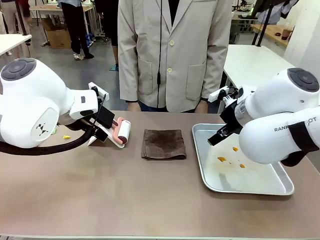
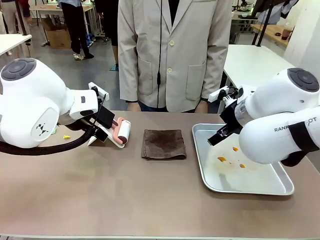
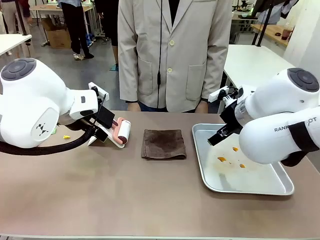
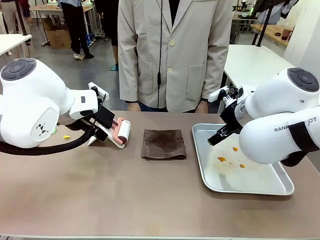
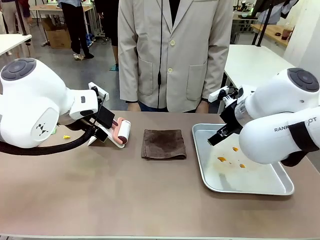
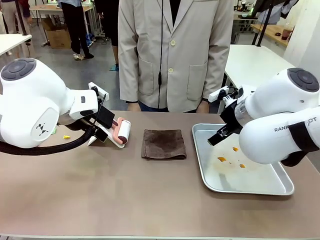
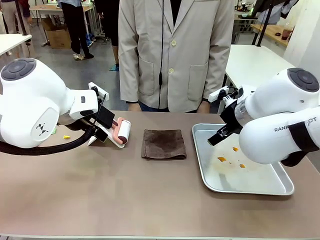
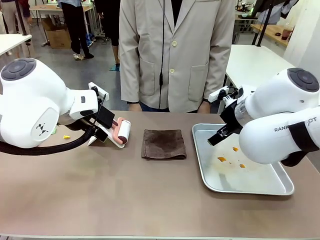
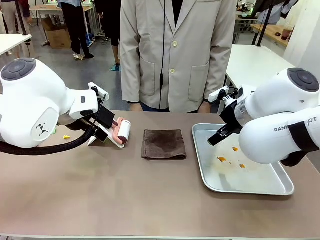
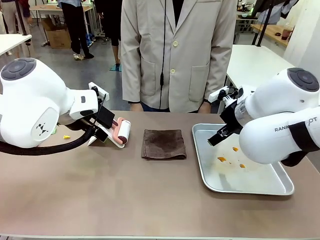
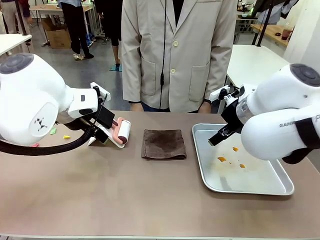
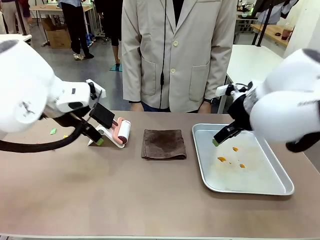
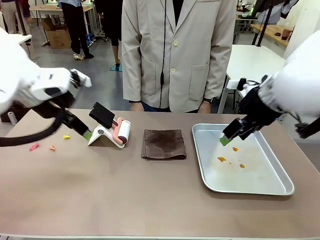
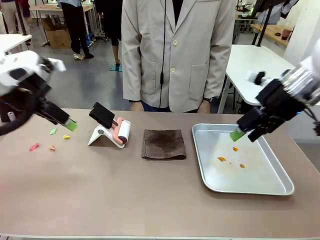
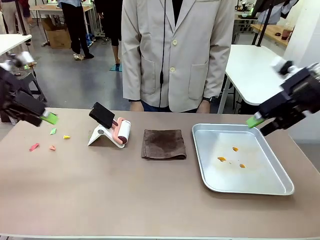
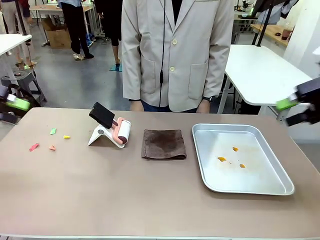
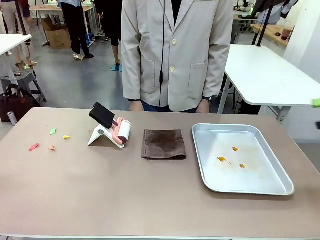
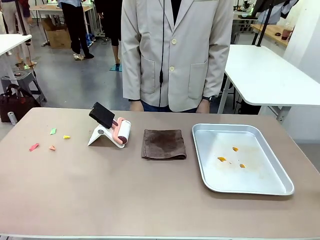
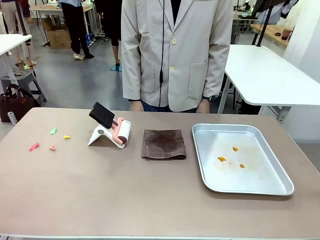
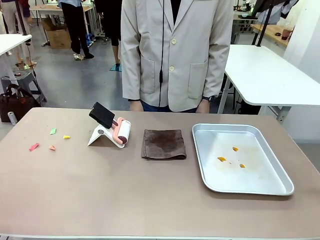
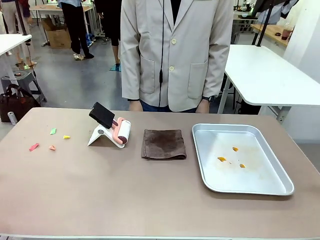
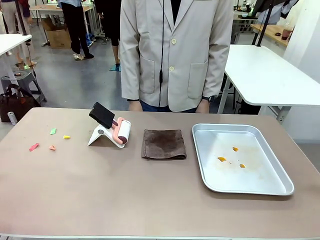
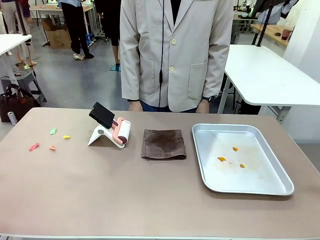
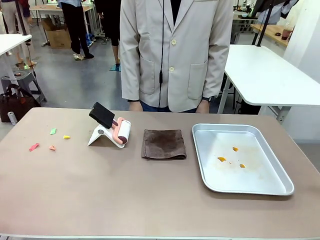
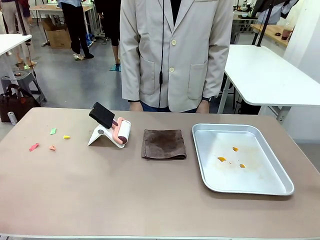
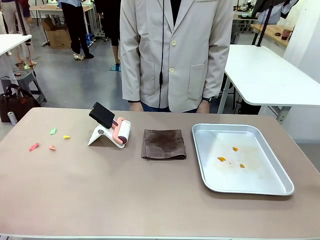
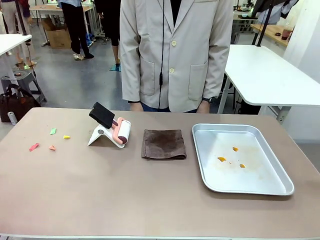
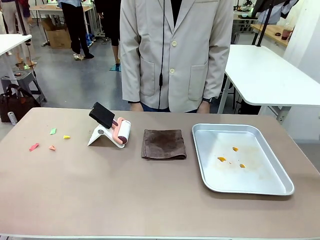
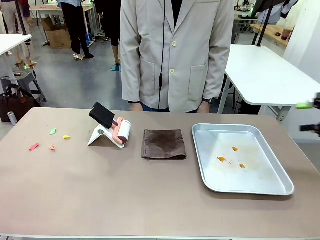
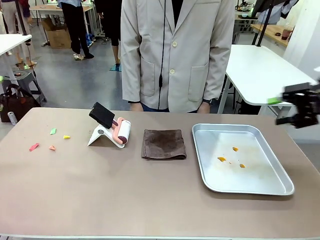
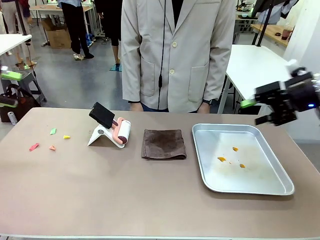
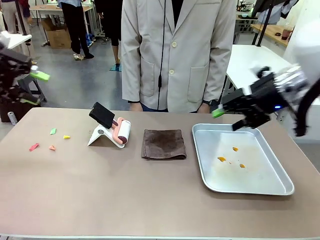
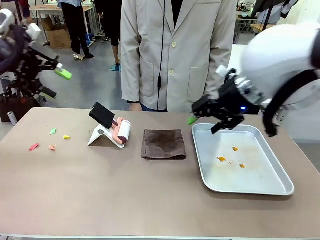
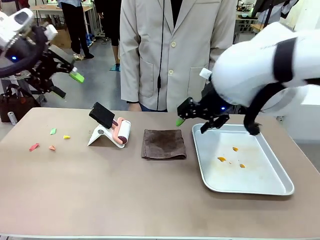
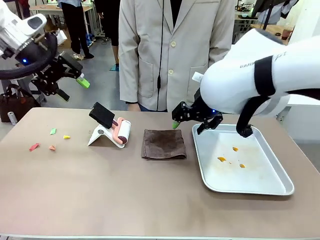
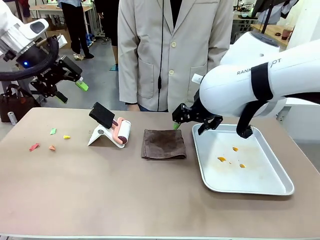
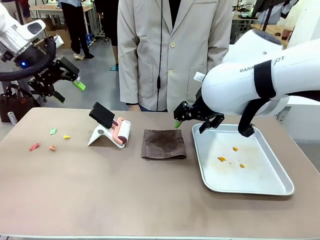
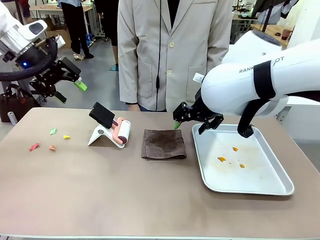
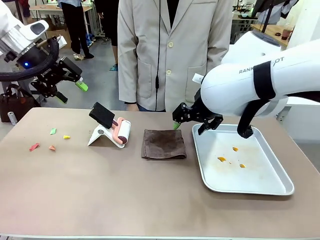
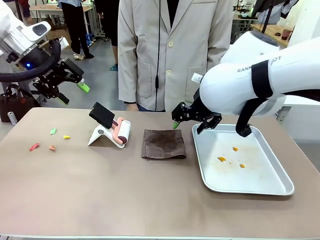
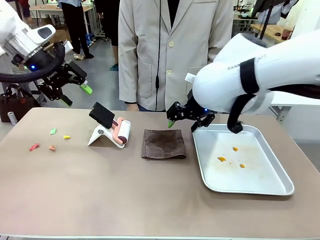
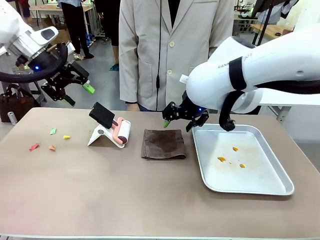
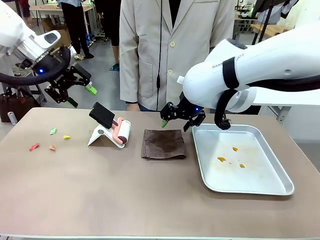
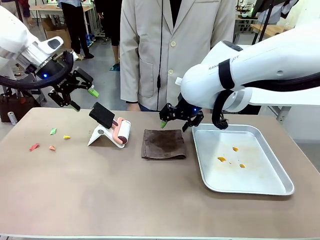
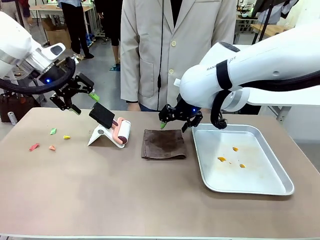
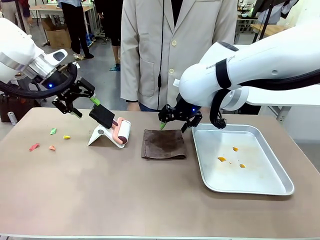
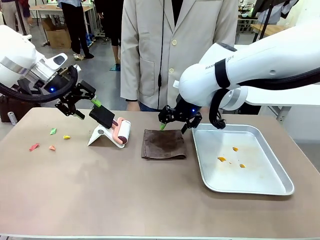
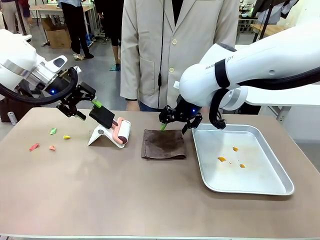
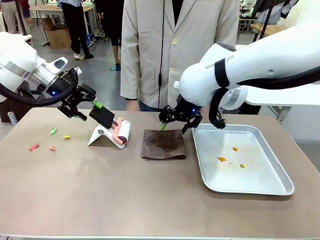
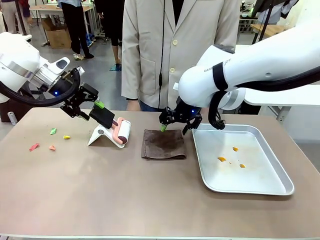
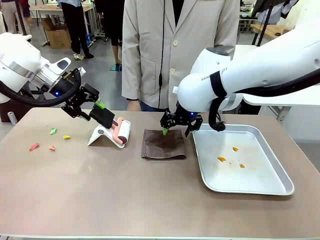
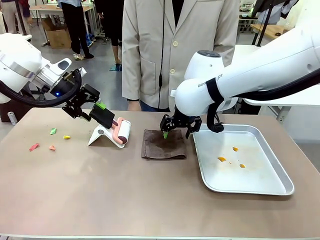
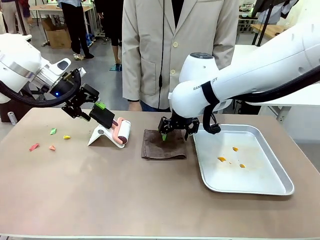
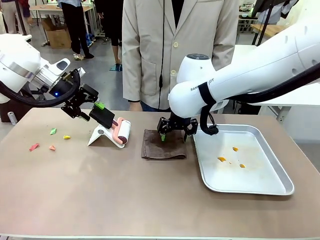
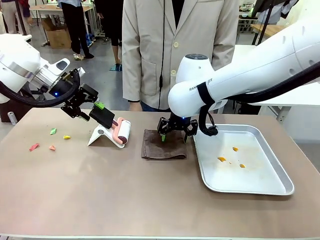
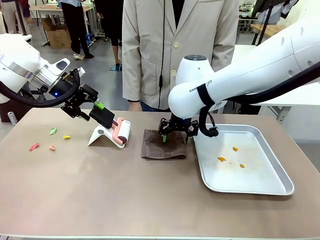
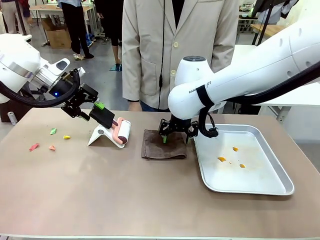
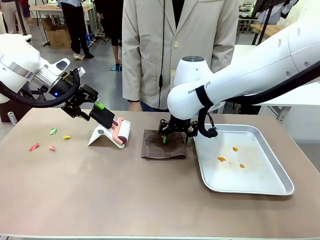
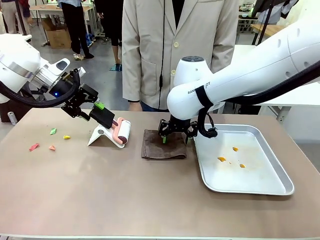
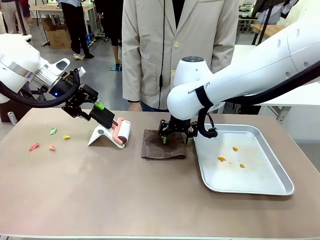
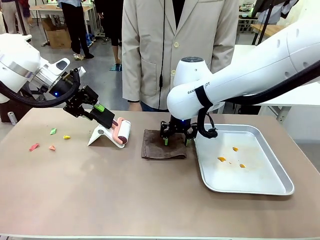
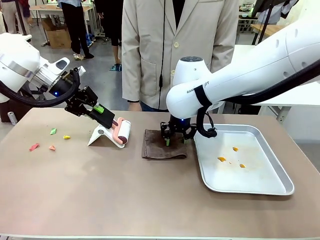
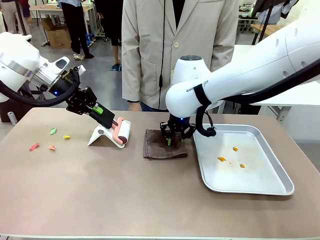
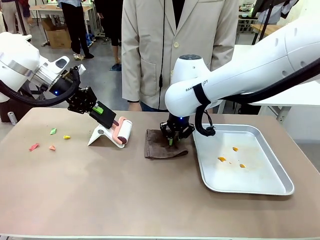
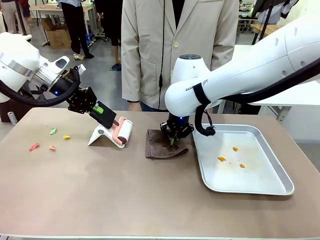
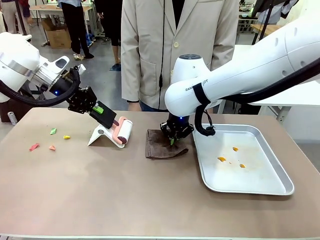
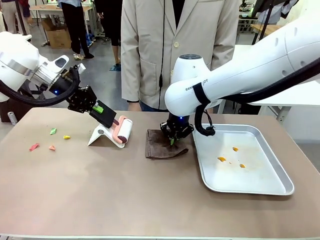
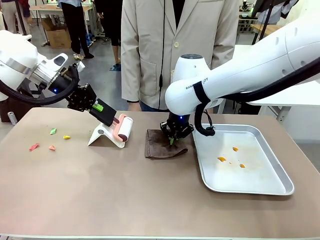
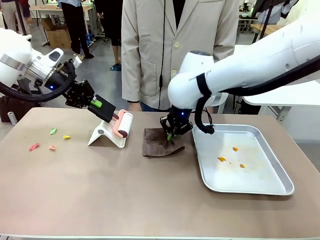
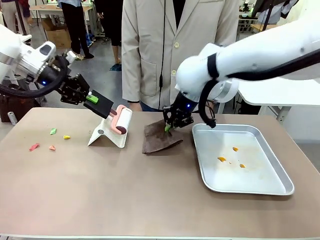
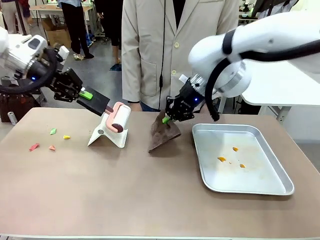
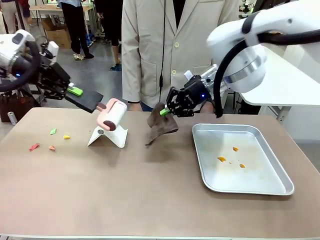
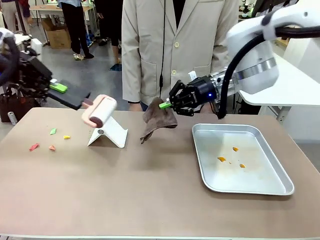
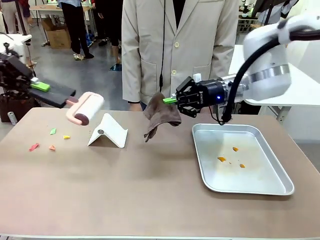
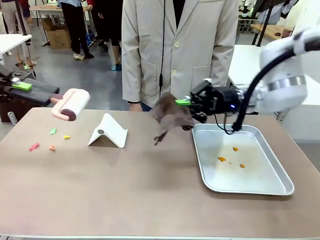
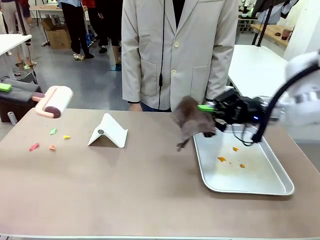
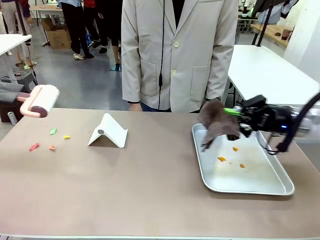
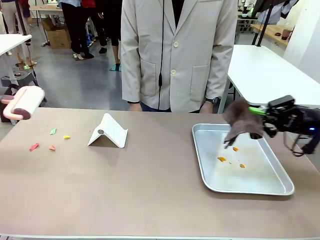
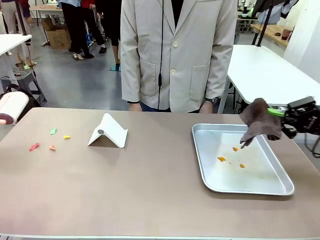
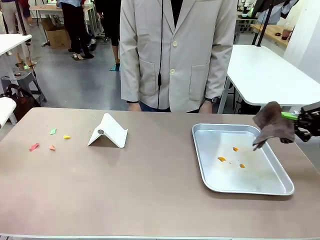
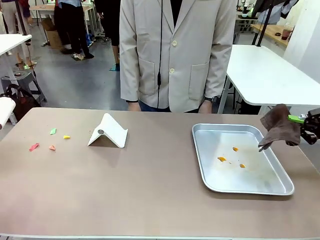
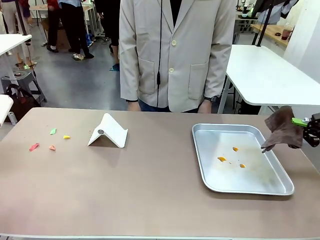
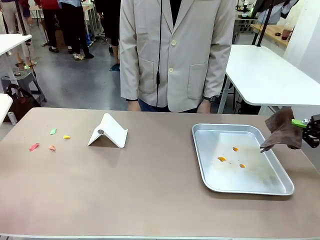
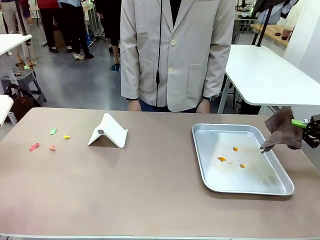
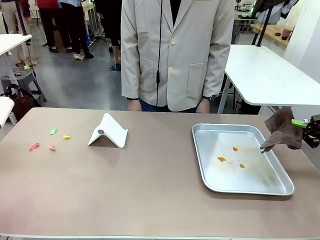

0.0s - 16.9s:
Task: Clean the surface of the table.
Robot: Hold the Lint Roller with your left hand and the towel with your right hand.
